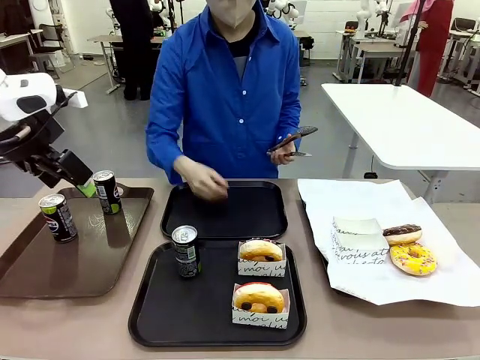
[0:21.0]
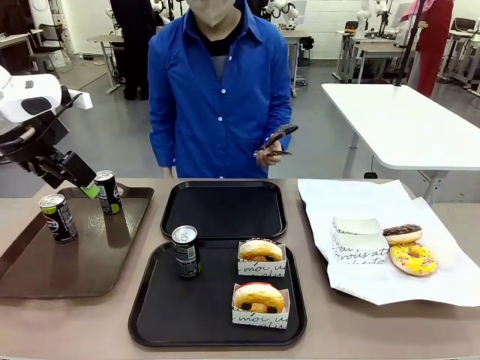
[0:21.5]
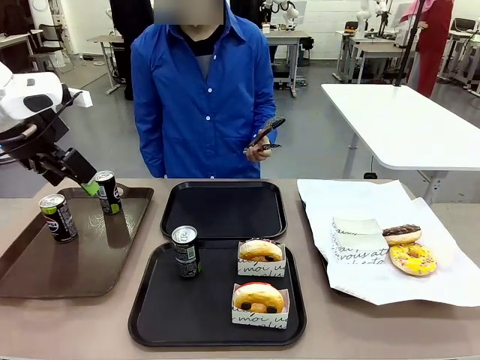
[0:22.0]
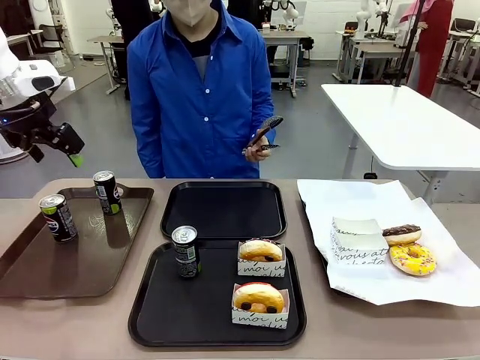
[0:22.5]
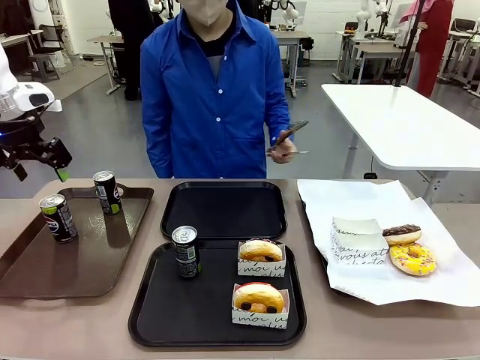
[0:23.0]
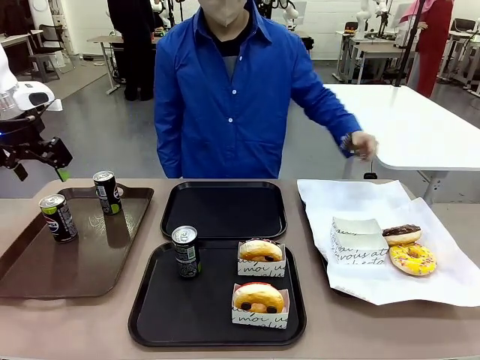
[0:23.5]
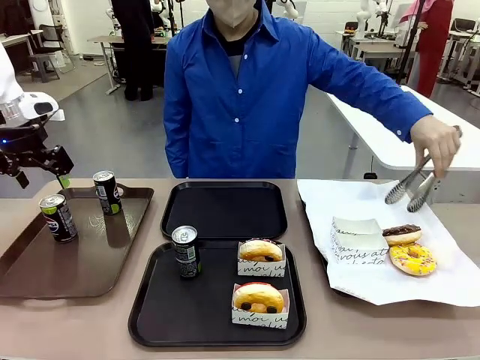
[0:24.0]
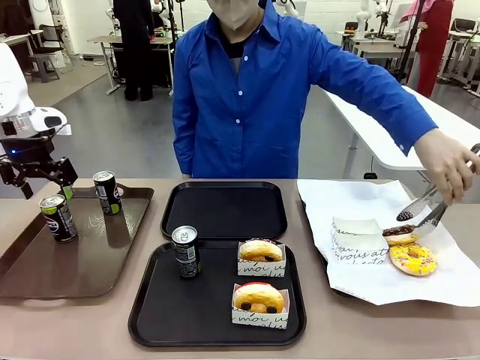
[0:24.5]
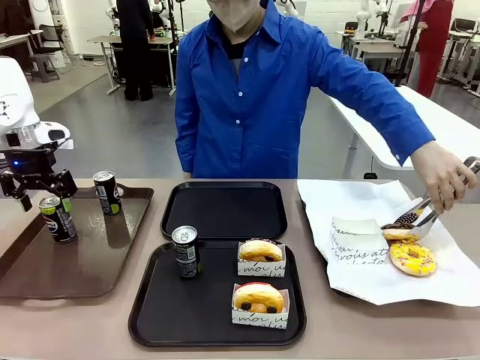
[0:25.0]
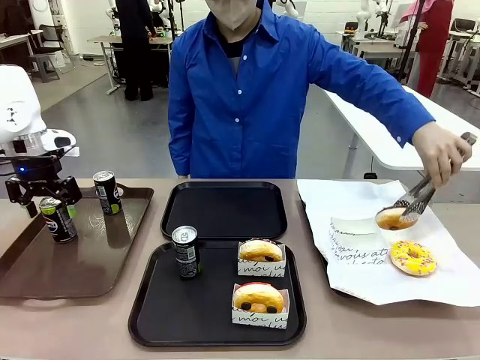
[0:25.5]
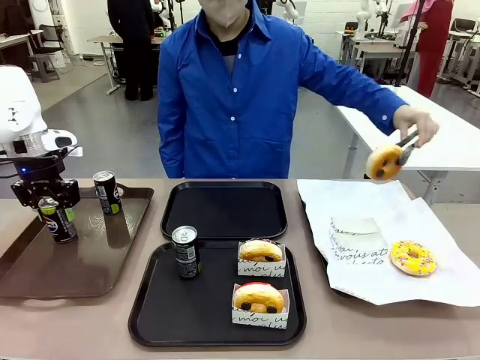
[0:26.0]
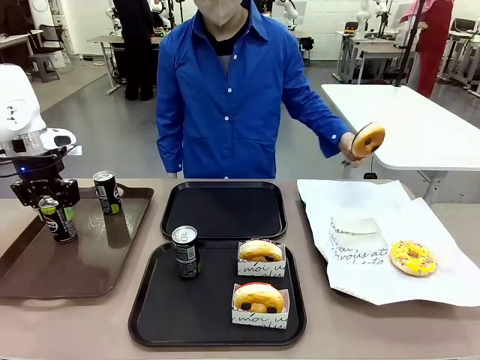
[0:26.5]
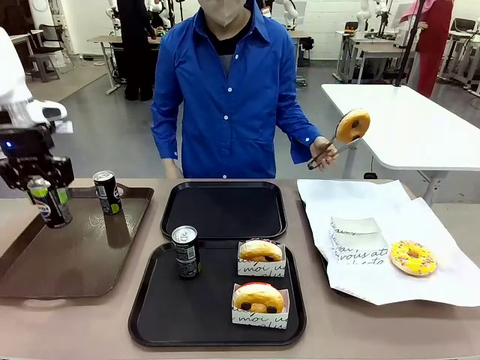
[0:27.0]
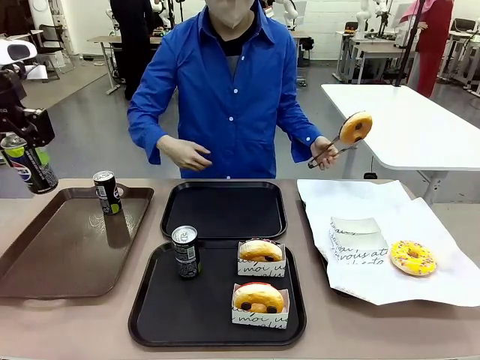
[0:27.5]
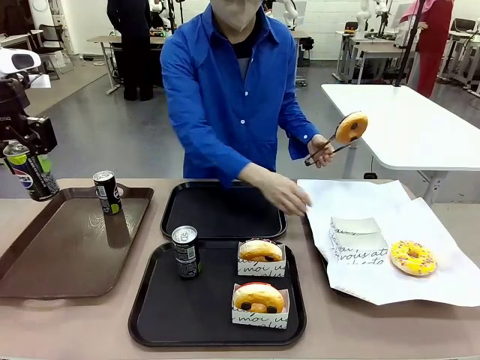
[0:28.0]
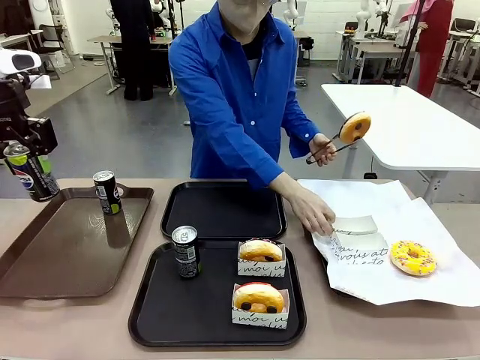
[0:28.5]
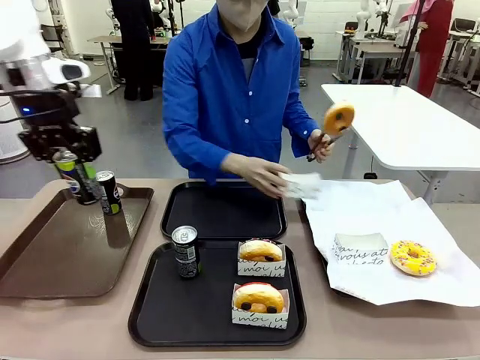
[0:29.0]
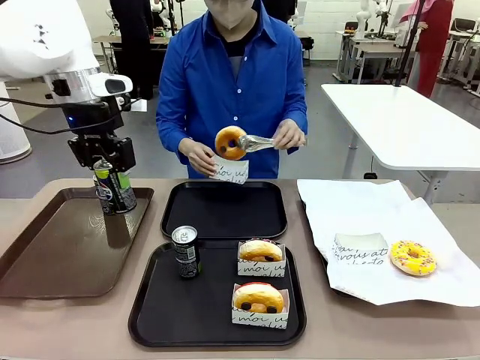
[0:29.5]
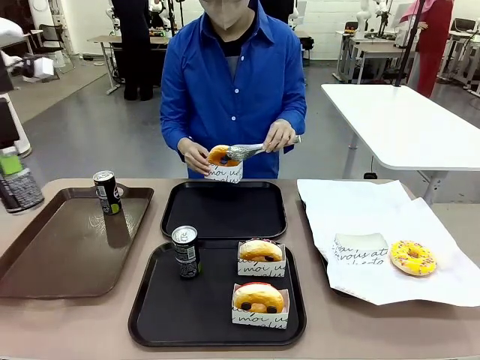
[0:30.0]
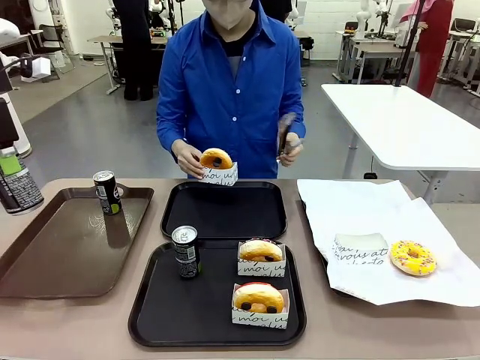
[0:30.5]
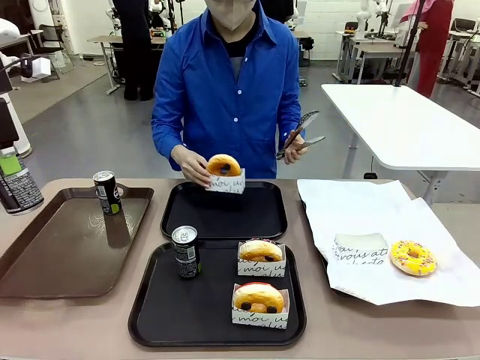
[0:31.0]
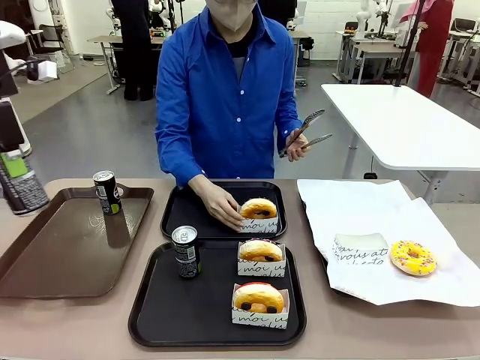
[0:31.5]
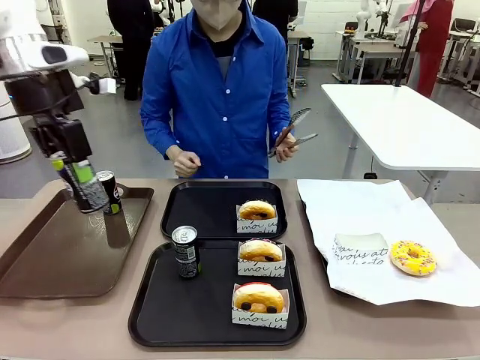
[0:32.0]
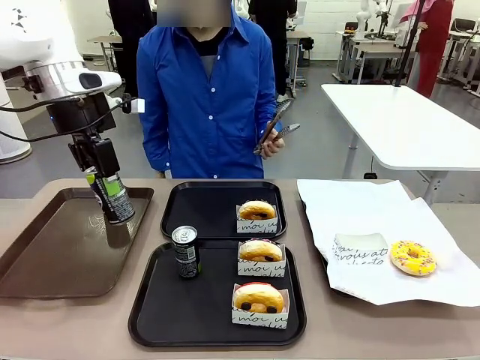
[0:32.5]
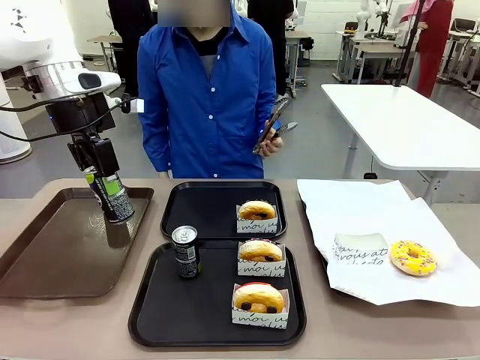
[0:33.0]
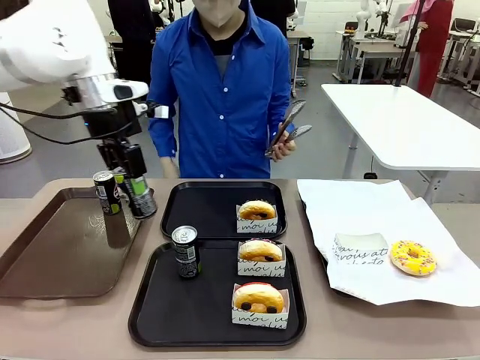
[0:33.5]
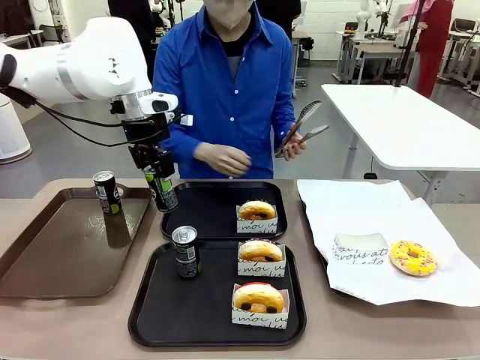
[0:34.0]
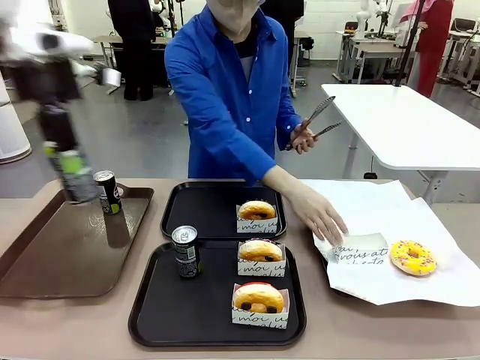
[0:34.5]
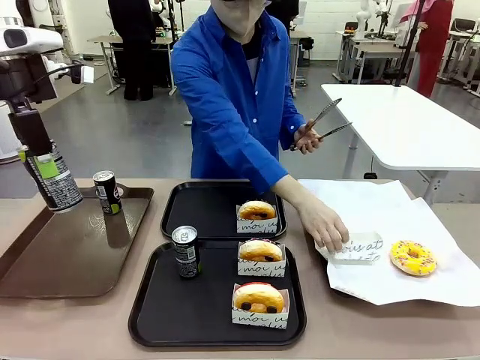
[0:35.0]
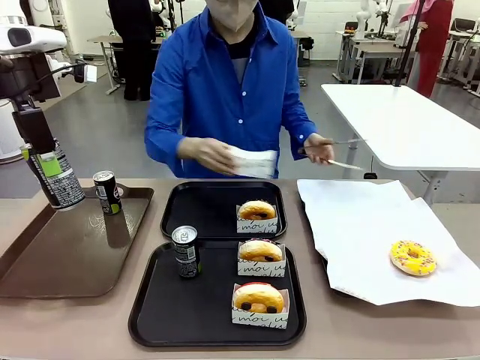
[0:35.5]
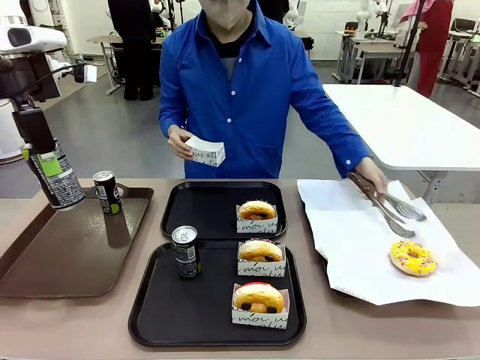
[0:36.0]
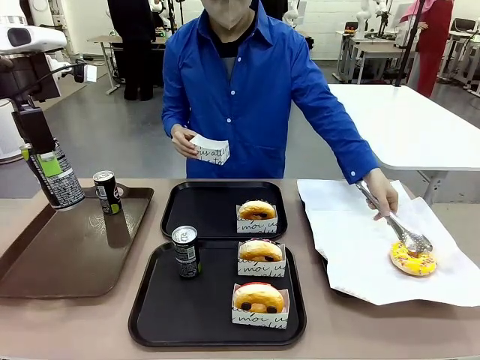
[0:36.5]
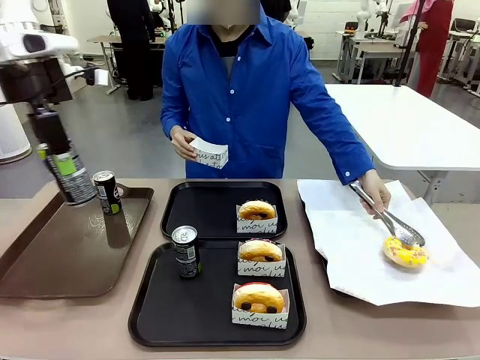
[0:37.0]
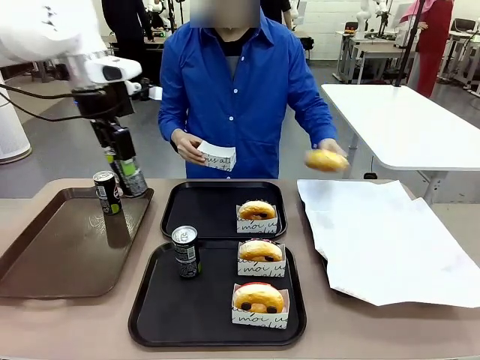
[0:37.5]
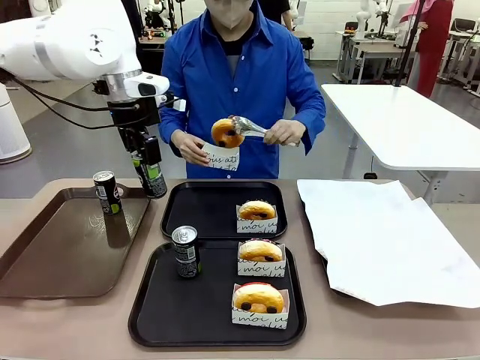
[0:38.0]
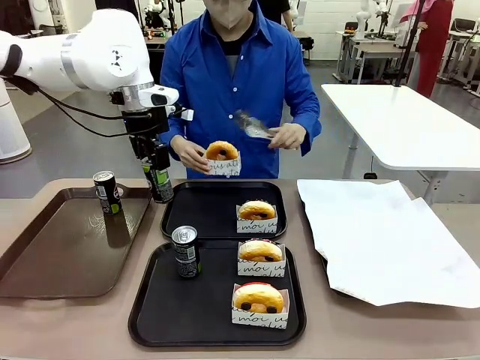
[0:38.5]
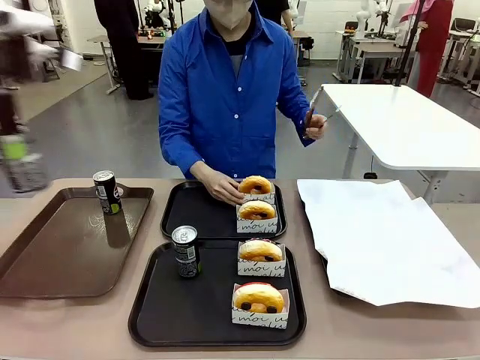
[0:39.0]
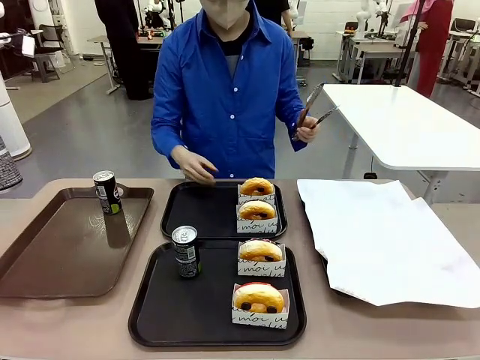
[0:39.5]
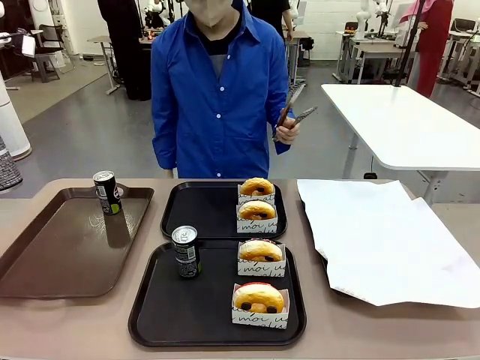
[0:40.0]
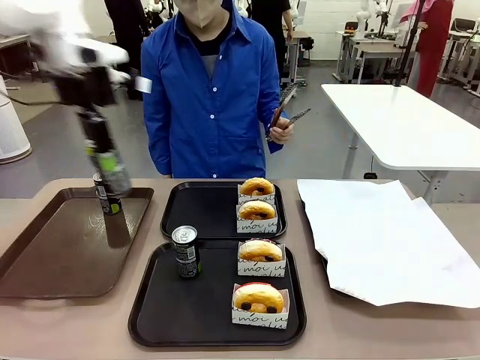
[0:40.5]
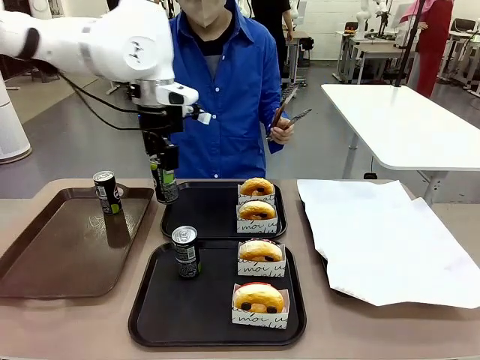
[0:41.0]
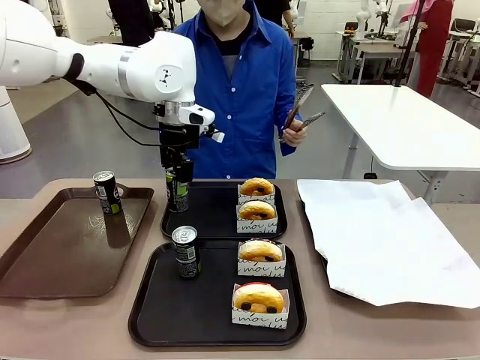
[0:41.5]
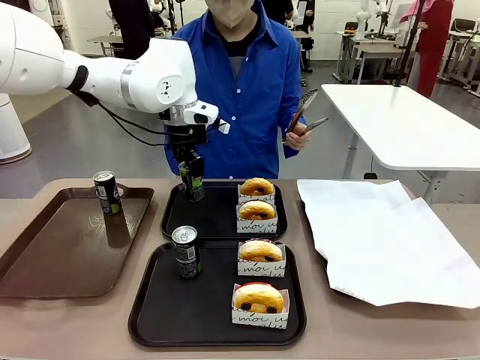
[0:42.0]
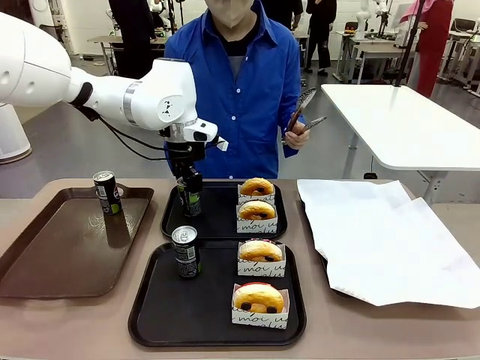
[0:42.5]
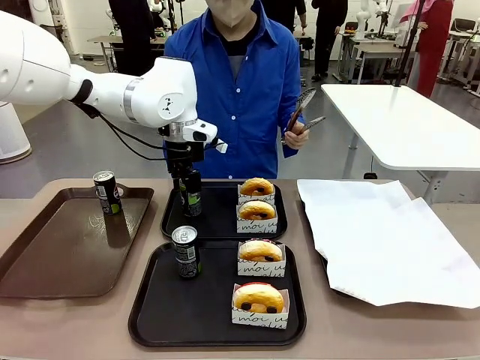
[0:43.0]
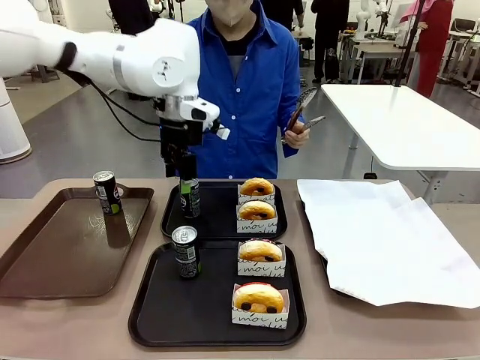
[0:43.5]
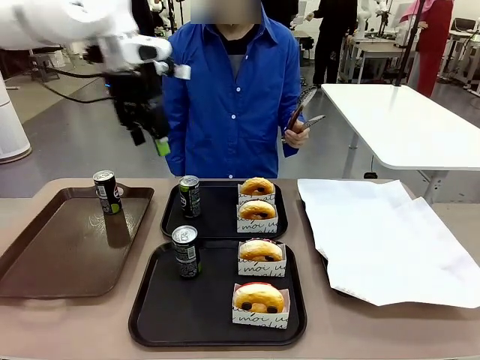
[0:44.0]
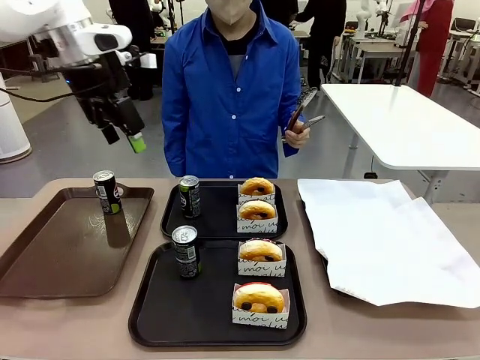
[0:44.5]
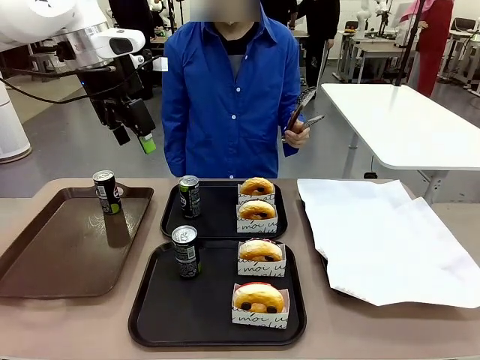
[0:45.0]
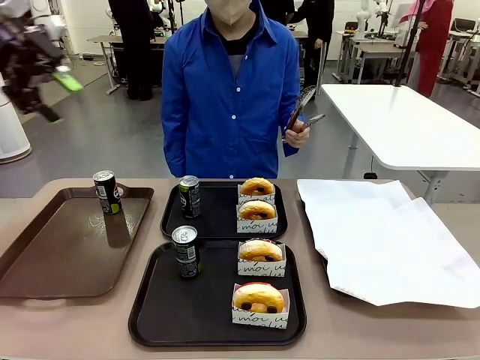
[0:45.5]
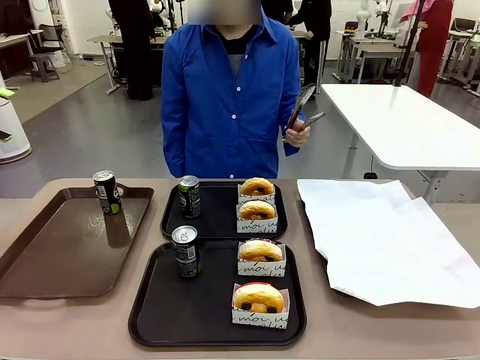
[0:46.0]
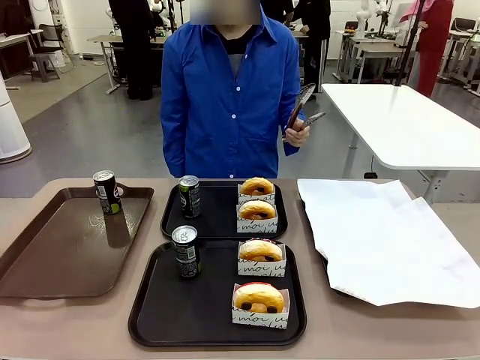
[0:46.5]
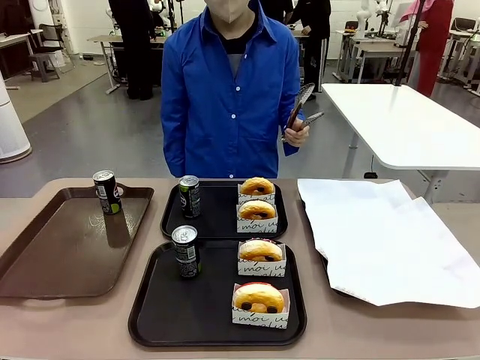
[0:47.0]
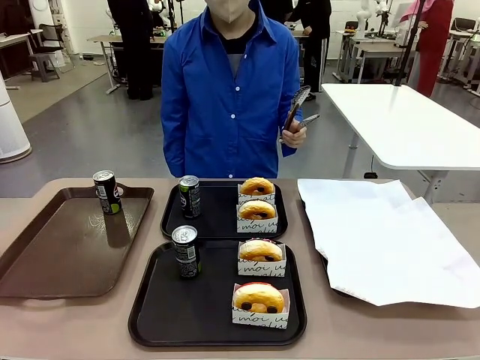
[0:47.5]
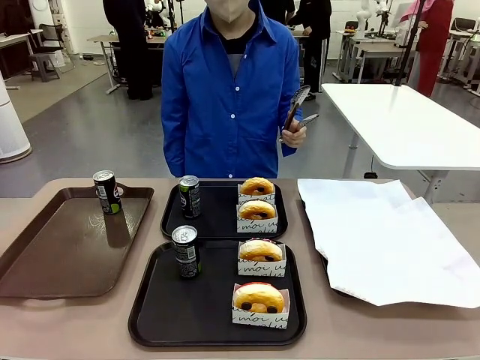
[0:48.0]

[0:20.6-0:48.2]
Task: Set up donuts and drinks on trays.
Robot: Pick up one Pepsi coke from the Handle tray and place it on the Flat Tray without a Pepsi coke.
Person: Pick up one donut with tongs, place it in the donut tray, and then place the donut tray on the flat tray.
